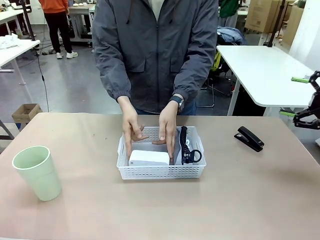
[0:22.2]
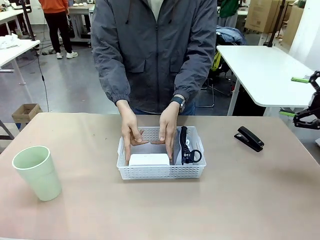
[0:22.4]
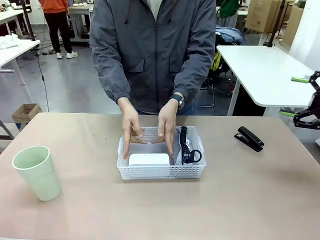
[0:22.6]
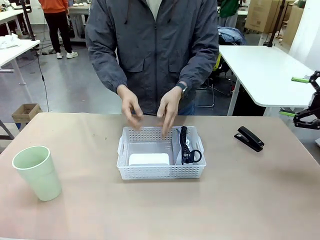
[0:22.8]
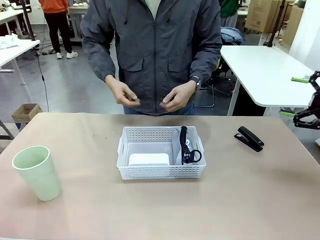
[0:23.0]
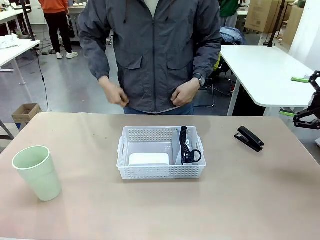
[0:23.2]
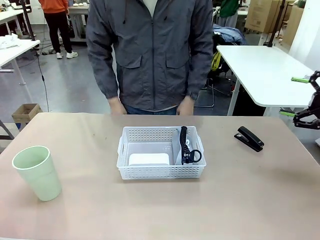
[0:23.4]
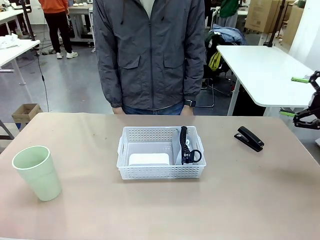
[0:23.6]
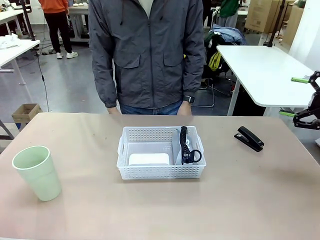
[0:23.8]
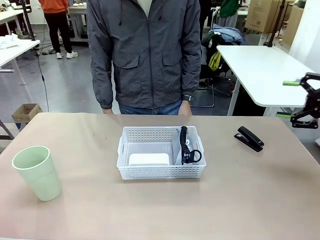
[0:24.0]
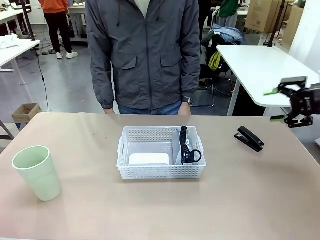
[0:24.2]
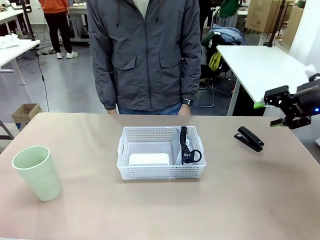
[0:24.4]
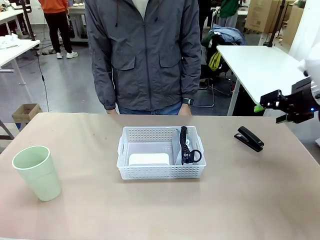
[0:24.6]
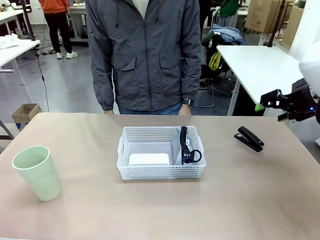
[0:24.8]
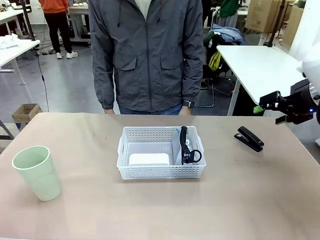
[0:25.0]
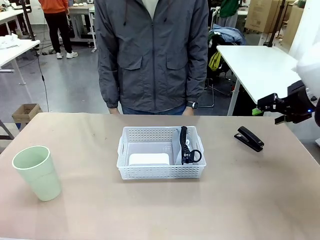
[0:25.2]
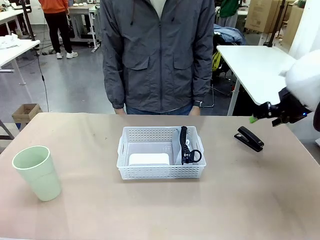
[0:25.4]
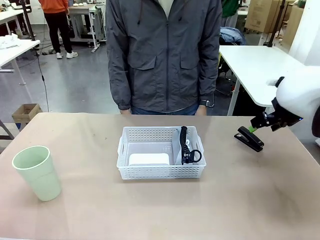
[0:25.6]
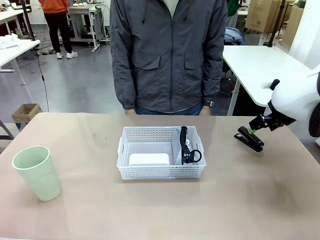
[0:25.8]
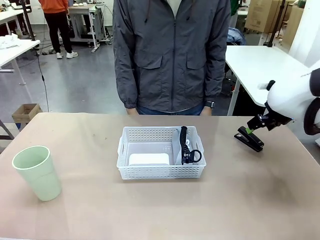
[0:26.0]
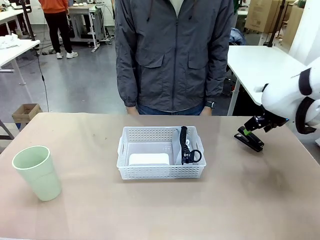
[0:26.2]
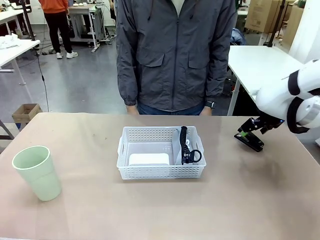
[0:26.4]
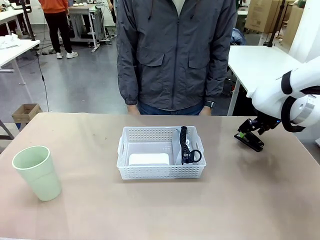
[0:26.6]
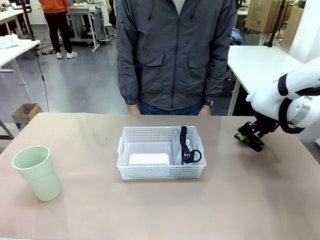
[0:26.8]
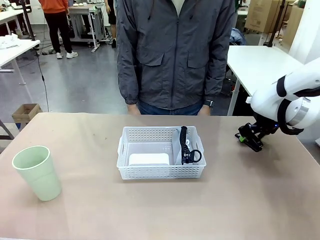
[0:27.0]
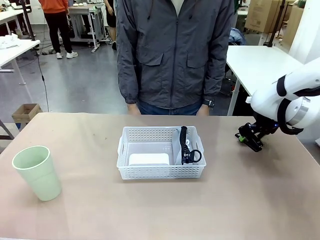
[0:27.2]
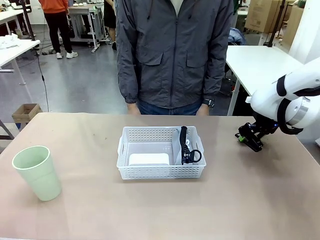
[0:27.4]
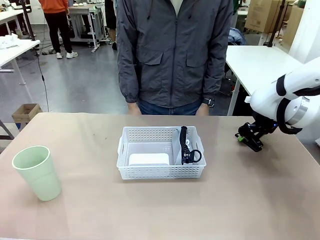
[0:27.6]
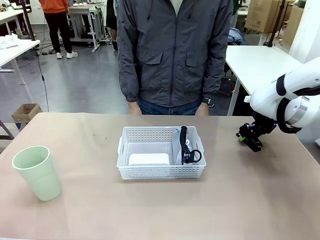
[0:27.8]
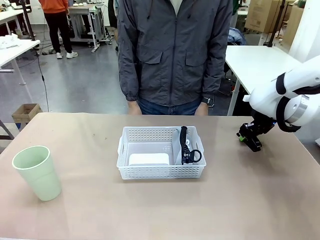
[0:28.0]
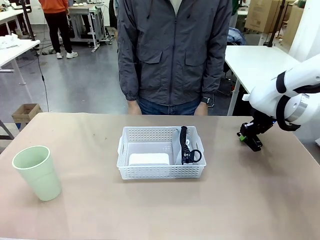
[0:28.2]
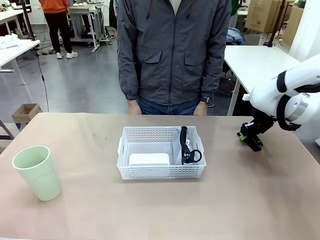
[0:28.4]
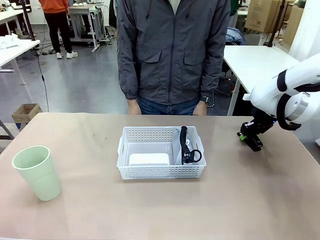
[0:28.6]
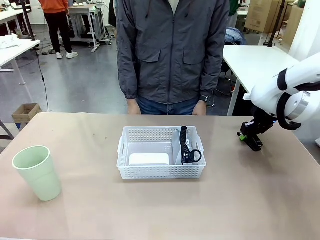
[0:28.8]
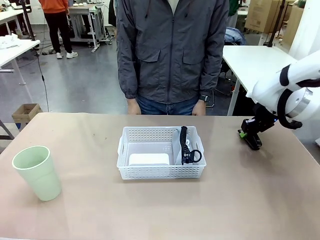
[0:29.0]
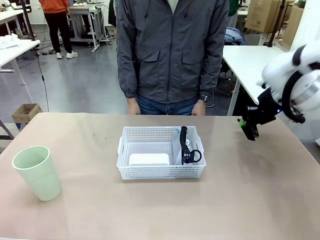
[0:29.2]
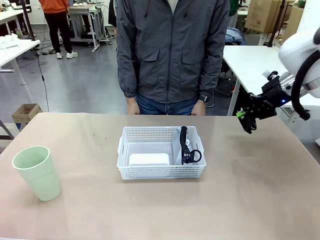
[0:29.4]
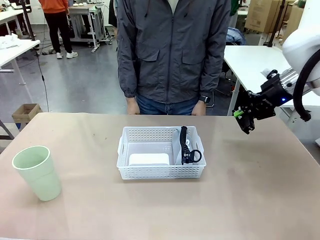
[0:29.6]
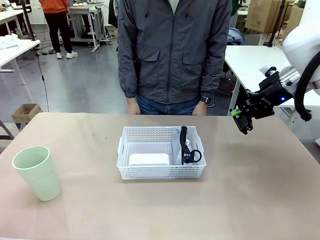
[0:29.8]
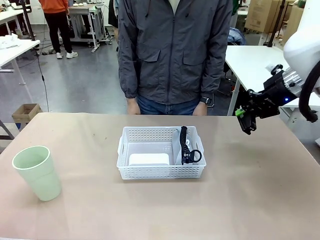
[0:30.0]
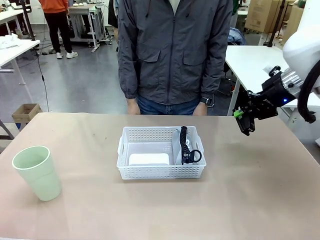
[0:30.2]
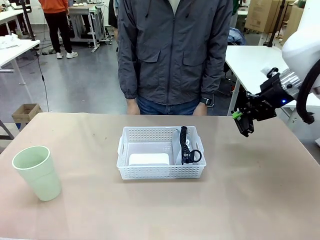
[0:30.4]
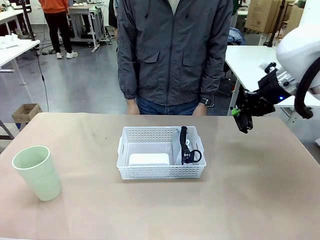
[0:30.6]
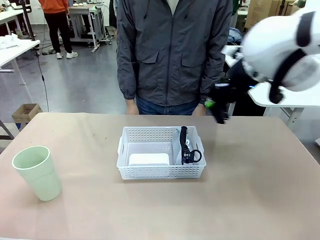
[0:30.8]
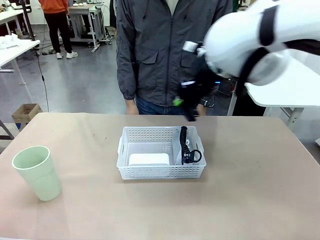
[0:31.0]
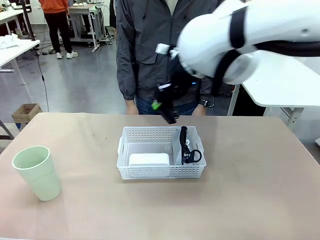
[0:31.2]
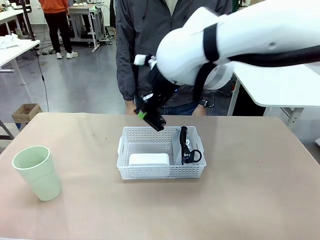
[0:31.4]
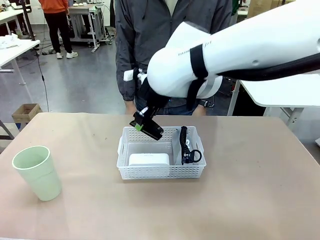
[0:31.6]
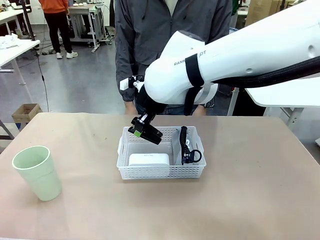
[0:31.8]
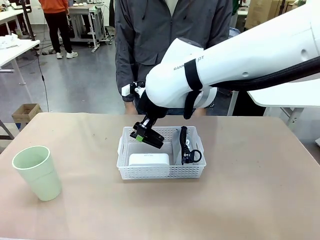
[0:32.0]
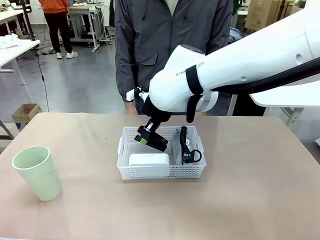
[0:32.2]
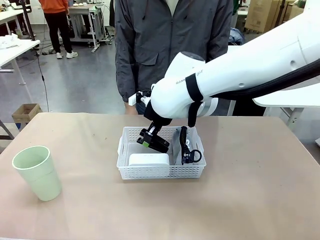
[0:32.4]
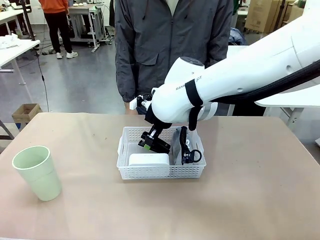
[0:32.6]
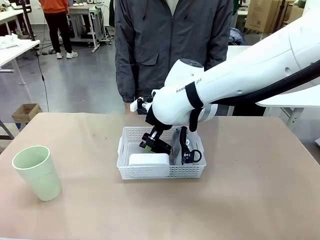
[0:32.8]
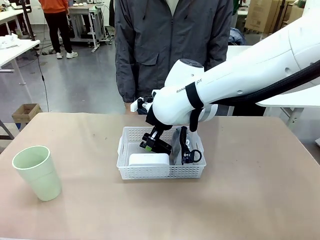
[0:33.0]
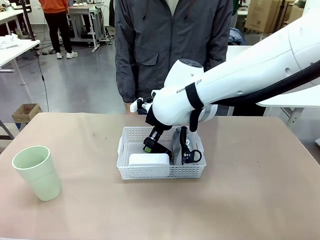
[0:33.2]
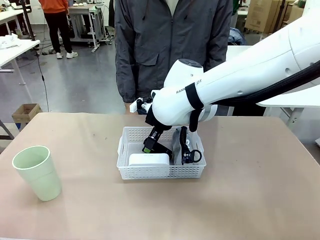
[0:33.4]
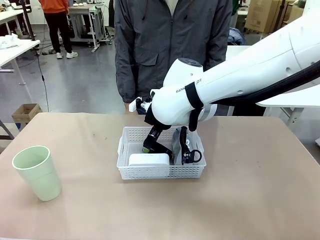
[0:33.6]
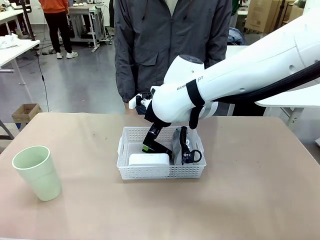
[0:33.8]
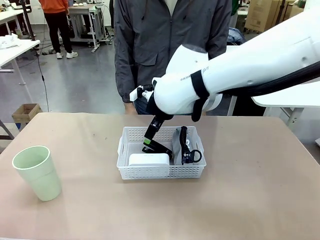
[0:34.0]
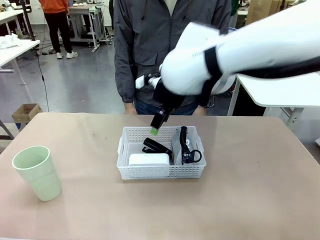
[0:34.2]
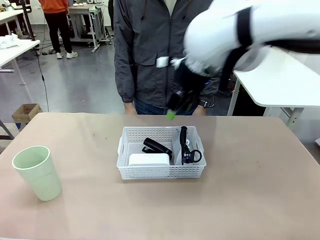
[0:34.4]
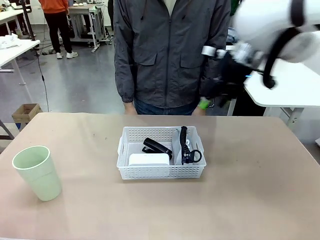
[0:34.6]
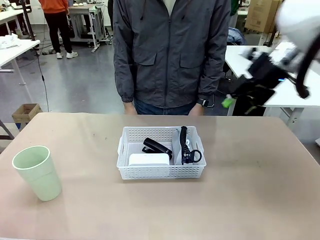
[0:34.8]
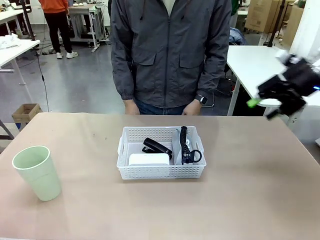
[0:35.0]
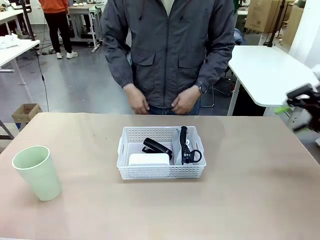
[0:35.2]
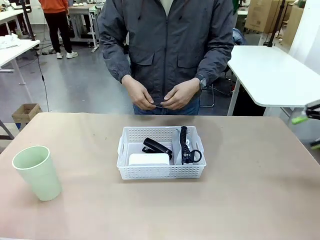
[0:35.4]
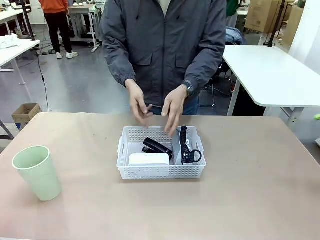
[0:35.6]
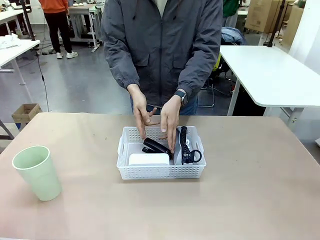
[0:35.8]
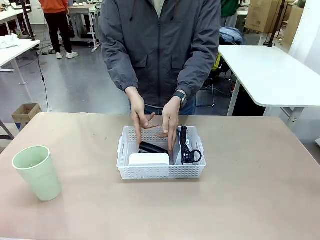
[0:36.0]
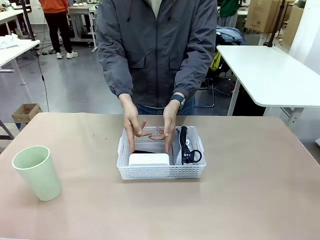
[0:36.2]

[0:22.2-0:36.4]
Task: Efficiently arrange items inside the basket to fit them all.
Robot: Pick up the Stapler and place it inside the Organizing basket.

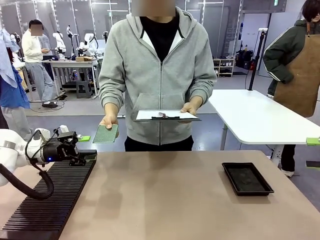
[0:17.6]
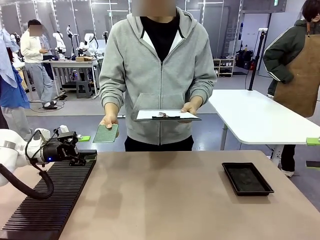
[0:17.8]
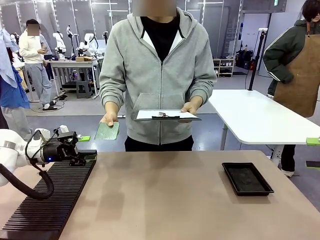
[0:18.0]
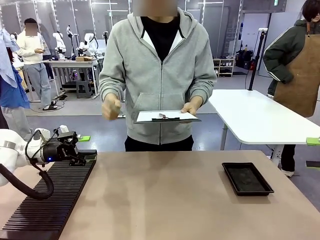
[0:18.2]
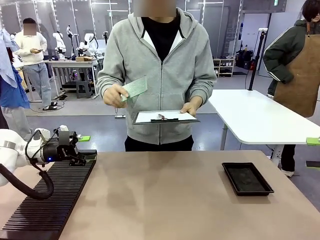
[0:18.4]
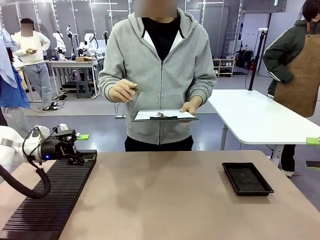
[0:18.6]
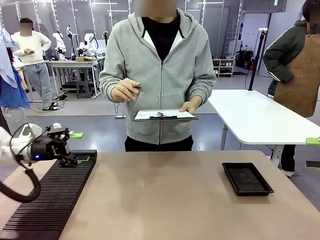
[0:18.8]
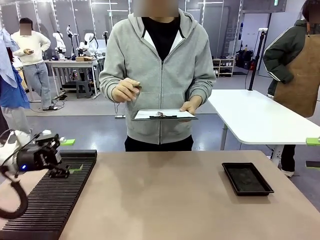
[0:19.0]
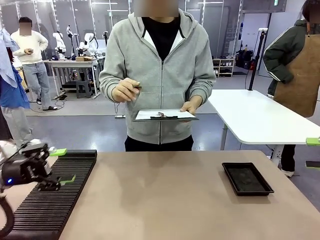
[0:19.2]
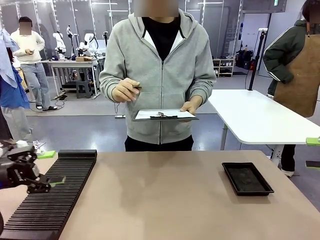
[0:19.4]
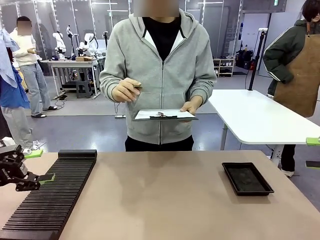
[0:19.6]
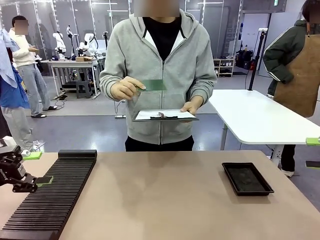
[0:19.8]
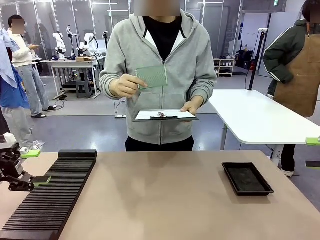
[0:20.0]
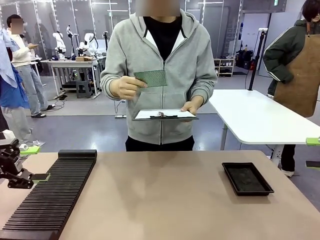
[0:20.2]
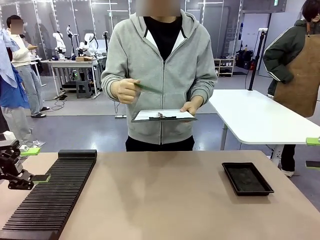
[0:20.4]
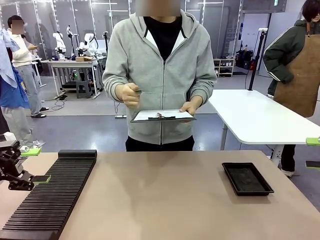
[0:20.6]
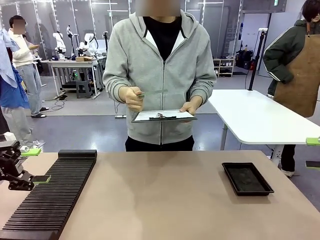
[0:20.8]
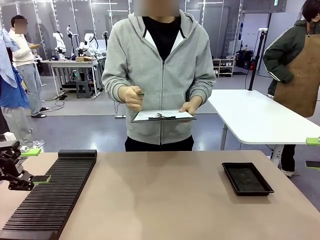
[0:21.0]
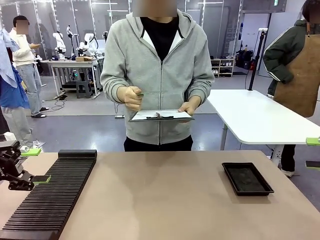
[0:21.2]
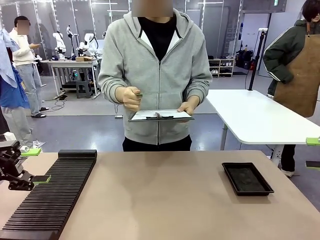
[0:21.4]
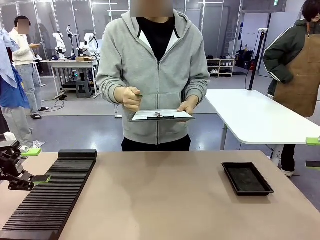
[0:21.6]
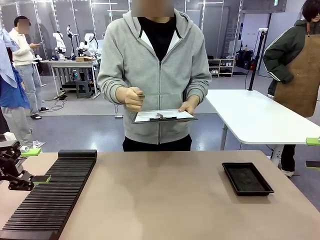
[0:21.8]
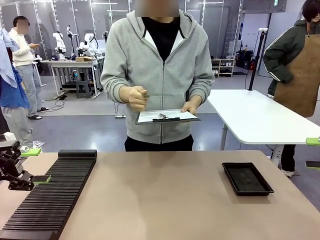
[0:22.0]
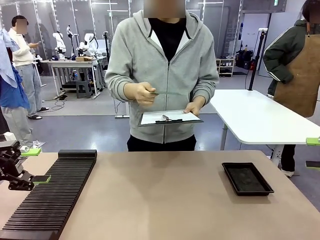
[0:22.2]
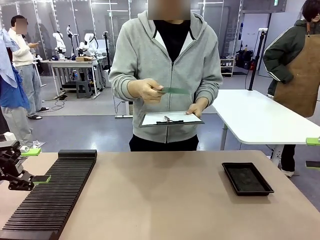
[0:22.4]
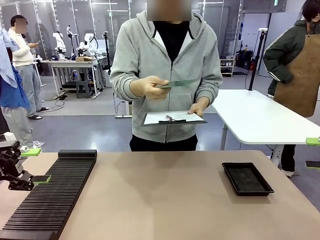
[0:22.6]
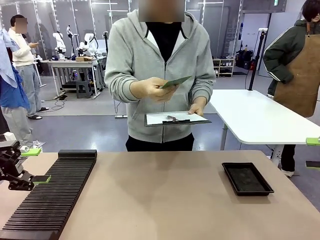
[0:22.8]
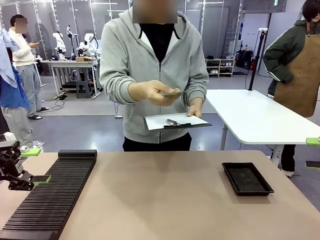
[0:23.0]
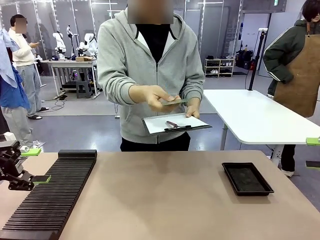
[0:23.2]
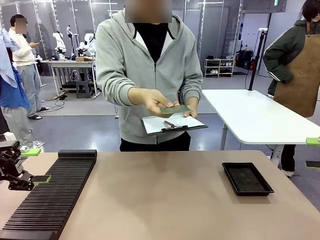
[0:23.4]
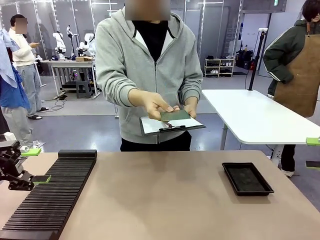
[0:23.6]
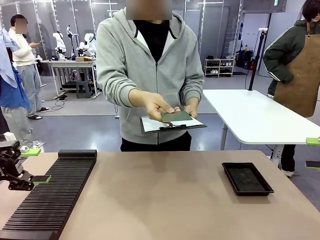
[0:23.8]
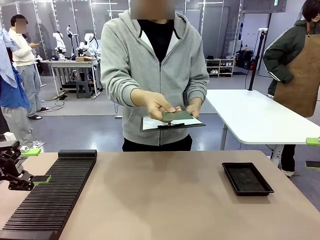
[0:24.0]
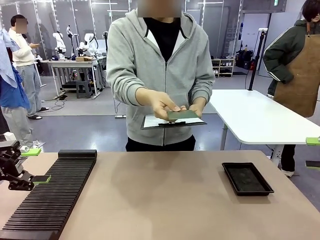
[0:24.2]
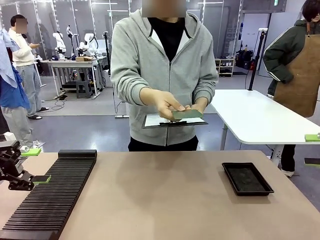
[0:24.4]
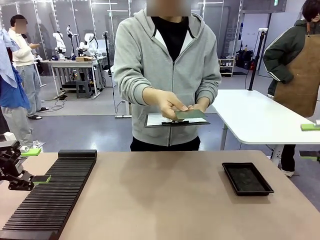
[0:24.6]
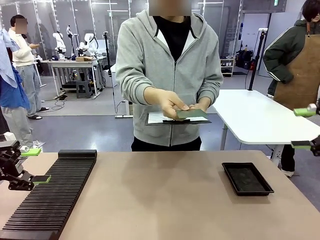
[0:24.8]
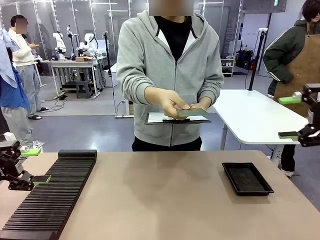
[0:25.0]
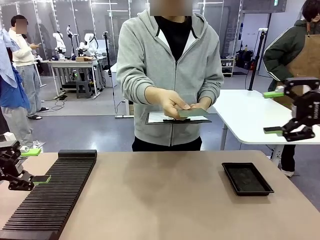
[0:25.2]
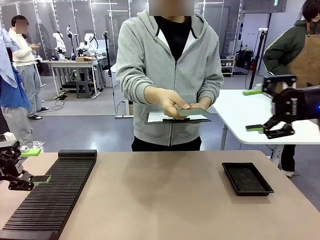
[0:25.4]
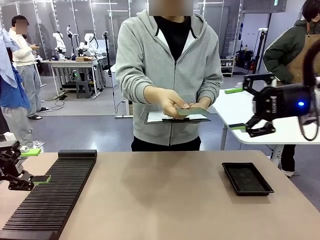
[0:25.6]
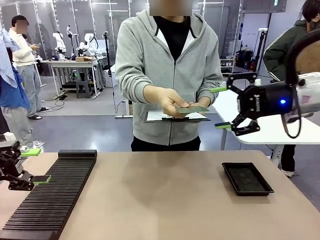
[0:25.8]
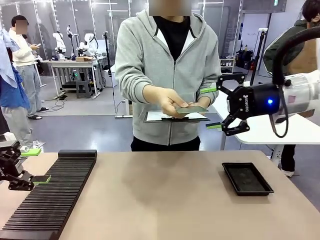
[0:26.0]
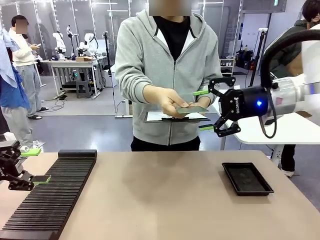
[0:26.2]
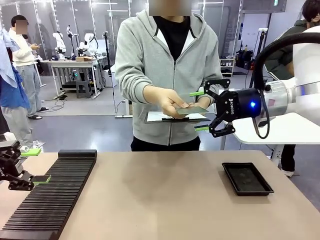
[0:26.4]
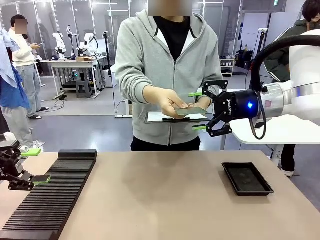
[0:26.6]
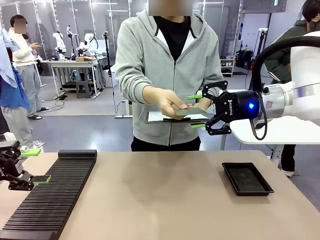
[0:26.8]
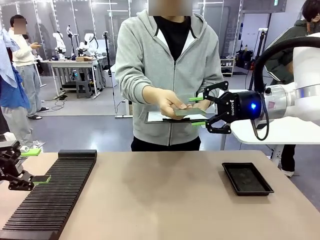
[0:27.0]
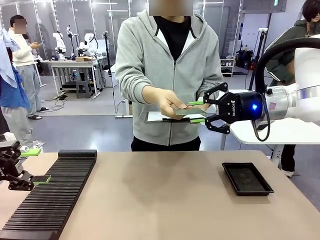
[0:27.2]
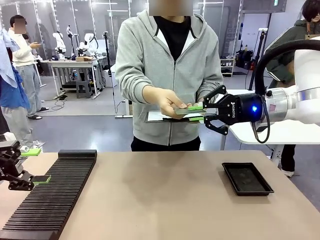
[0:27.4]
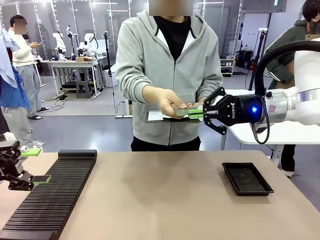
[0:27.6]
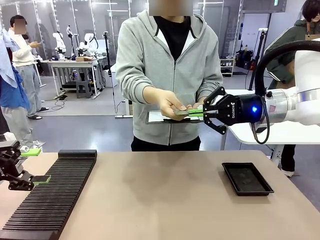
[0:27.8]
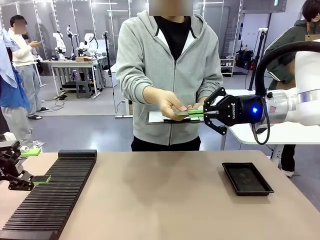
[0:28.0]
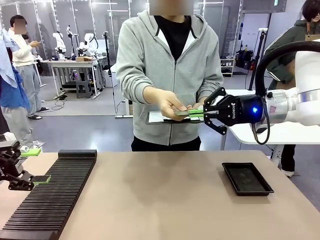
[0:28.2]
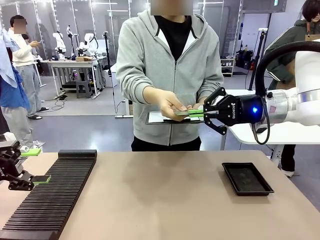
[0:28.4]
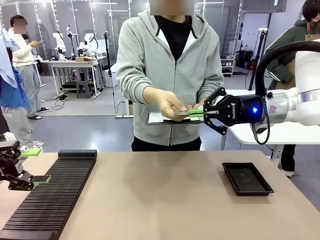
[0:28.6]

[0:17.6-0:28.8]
Task: Inspect the PCB.
Robot: Pick up the Blank PCB that the human is holding.
Person: Inspect the PCB placed by the robot, then hold it out in front of the robot. Release the PCB you were holding.
